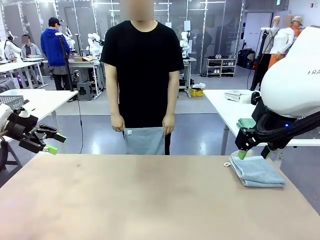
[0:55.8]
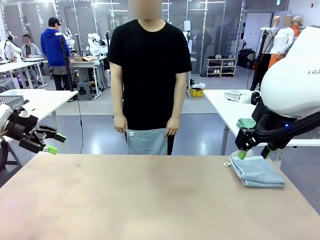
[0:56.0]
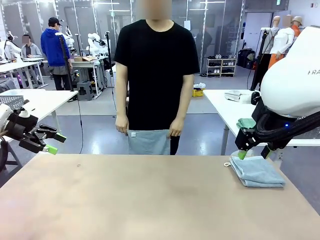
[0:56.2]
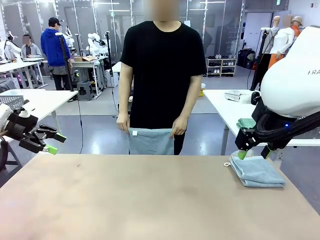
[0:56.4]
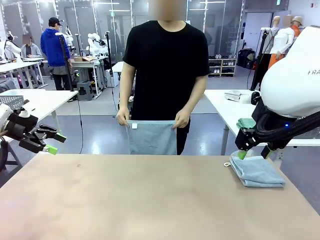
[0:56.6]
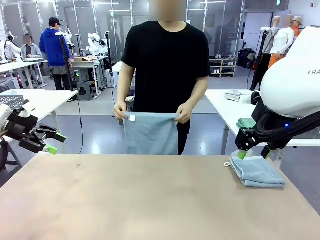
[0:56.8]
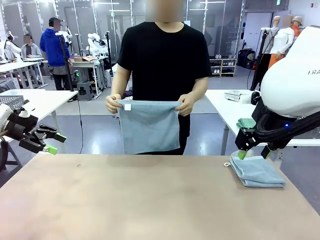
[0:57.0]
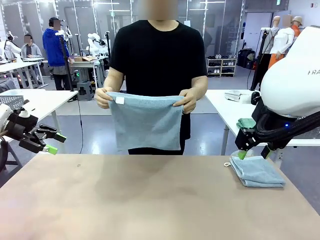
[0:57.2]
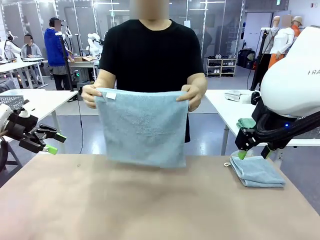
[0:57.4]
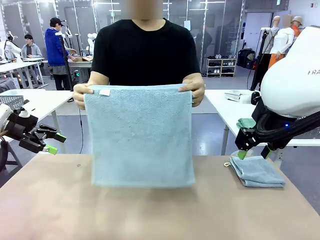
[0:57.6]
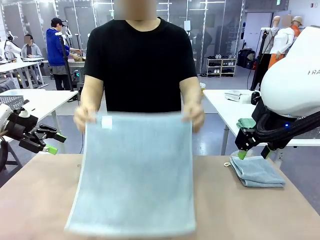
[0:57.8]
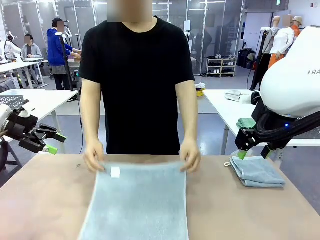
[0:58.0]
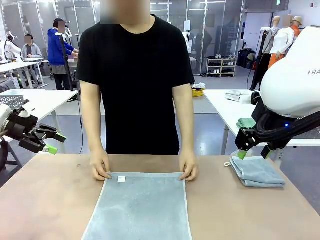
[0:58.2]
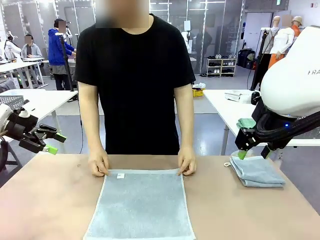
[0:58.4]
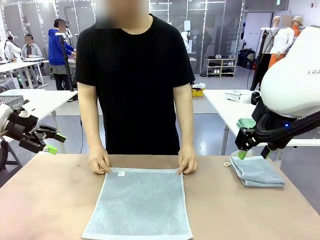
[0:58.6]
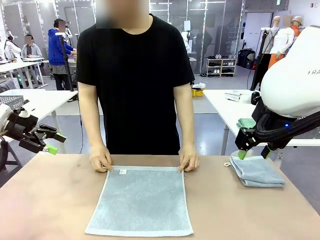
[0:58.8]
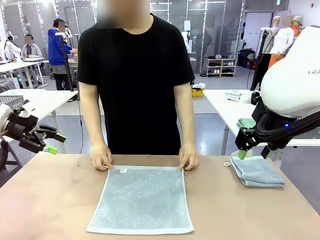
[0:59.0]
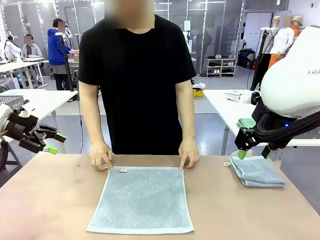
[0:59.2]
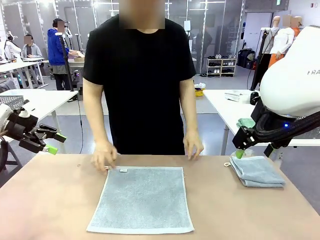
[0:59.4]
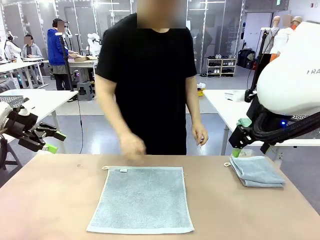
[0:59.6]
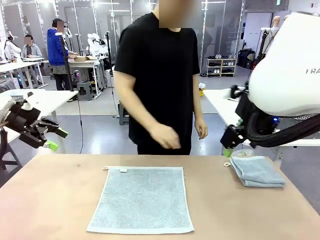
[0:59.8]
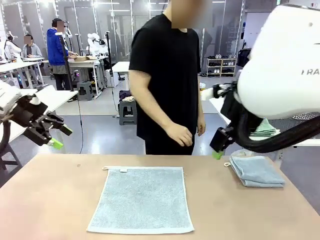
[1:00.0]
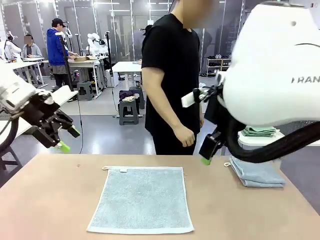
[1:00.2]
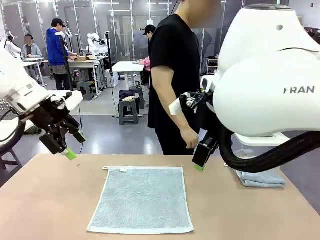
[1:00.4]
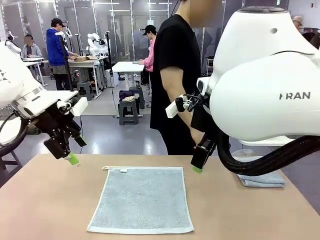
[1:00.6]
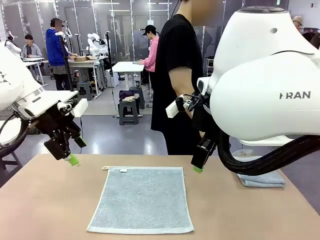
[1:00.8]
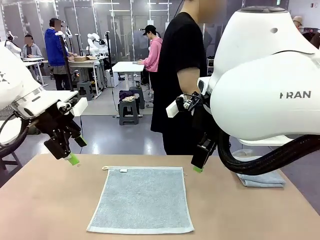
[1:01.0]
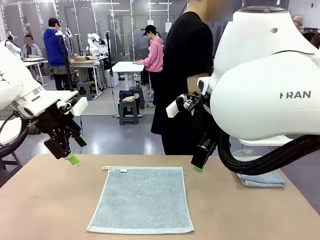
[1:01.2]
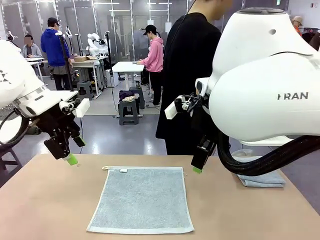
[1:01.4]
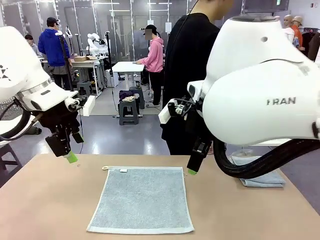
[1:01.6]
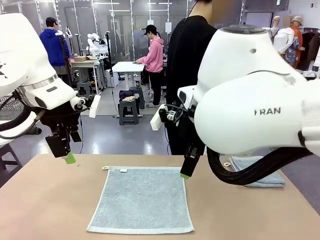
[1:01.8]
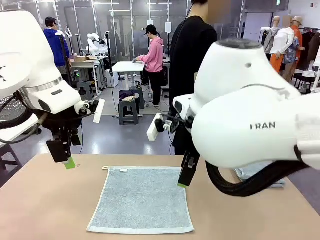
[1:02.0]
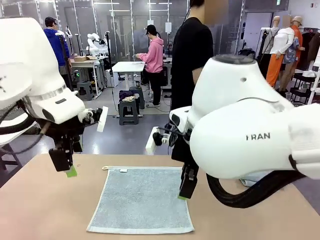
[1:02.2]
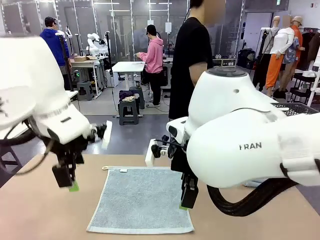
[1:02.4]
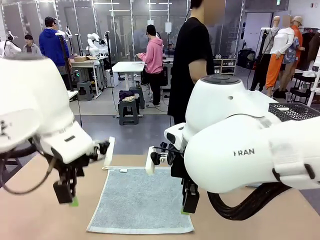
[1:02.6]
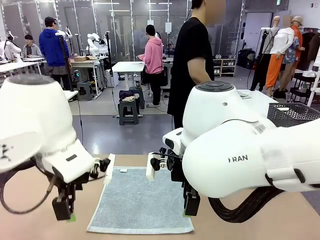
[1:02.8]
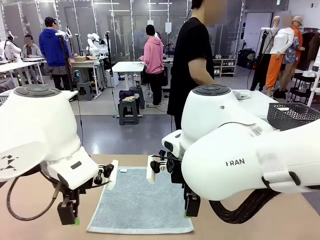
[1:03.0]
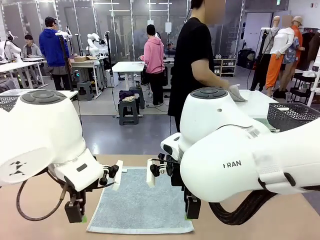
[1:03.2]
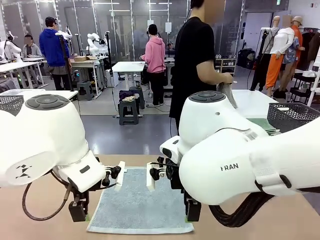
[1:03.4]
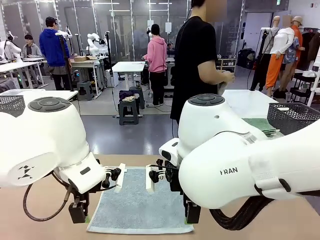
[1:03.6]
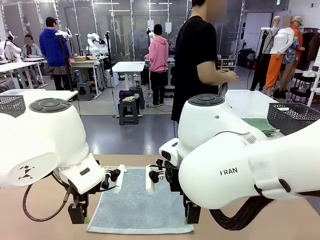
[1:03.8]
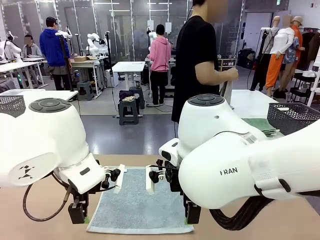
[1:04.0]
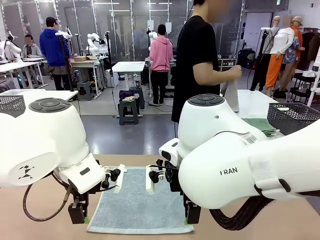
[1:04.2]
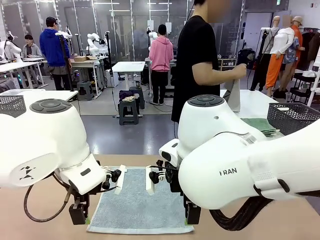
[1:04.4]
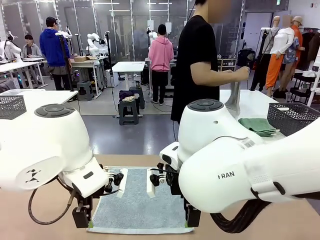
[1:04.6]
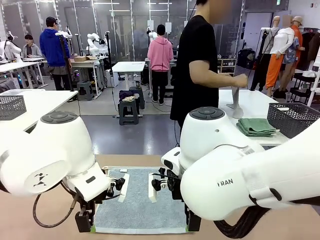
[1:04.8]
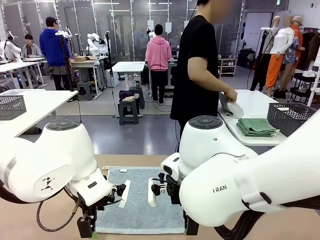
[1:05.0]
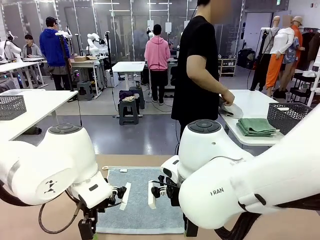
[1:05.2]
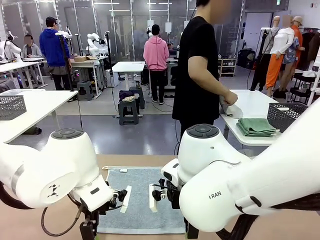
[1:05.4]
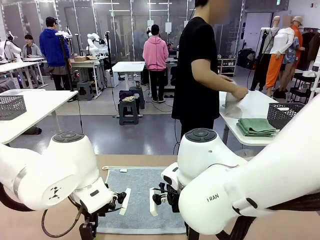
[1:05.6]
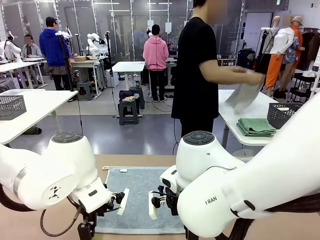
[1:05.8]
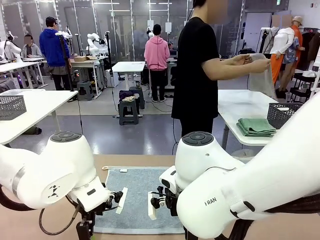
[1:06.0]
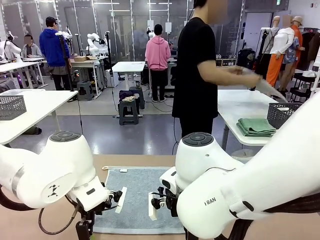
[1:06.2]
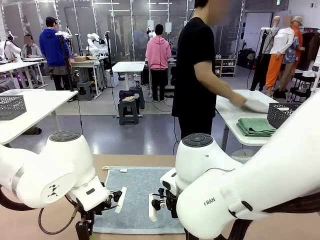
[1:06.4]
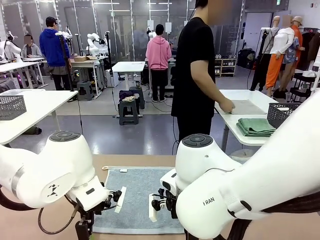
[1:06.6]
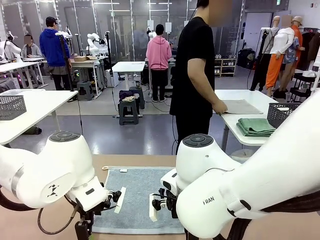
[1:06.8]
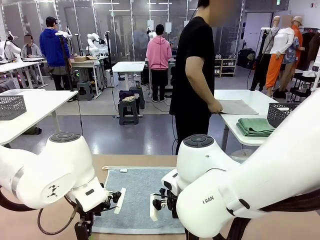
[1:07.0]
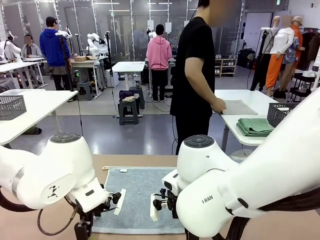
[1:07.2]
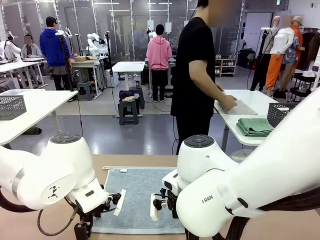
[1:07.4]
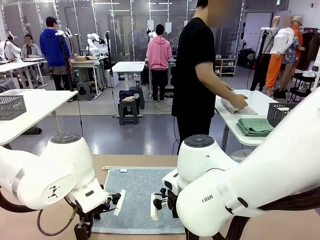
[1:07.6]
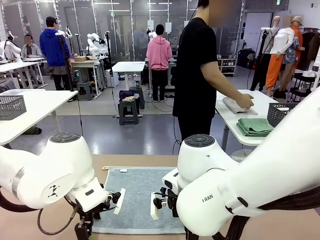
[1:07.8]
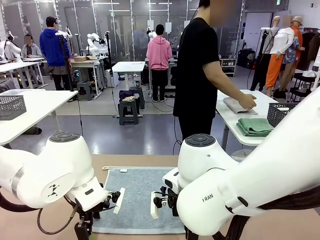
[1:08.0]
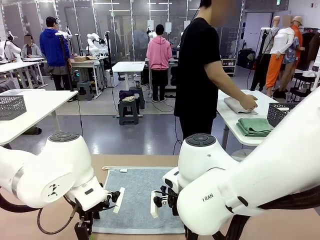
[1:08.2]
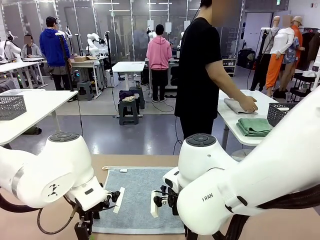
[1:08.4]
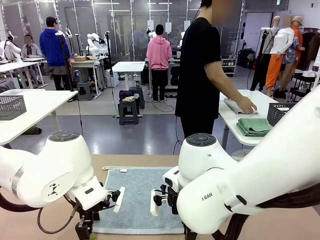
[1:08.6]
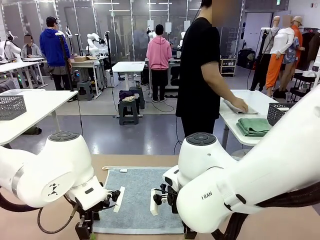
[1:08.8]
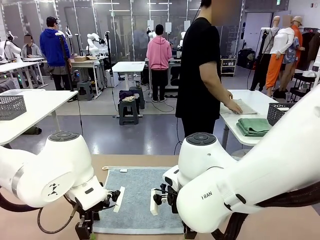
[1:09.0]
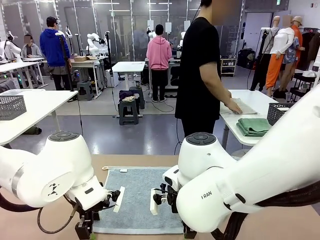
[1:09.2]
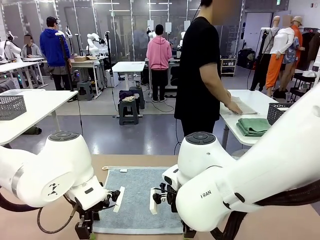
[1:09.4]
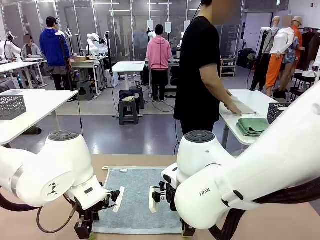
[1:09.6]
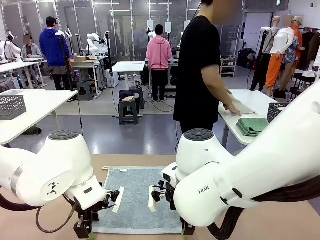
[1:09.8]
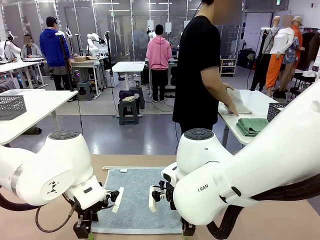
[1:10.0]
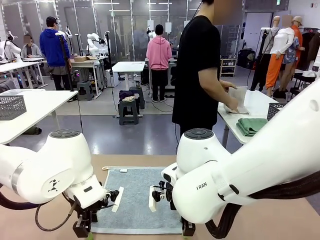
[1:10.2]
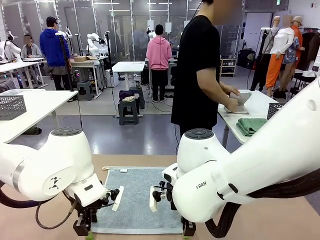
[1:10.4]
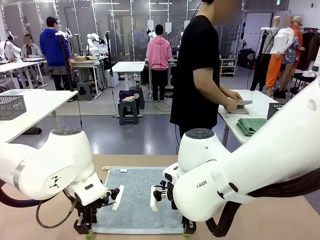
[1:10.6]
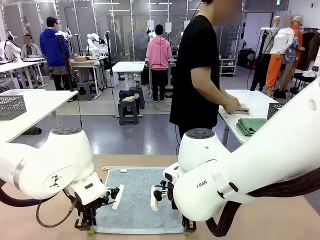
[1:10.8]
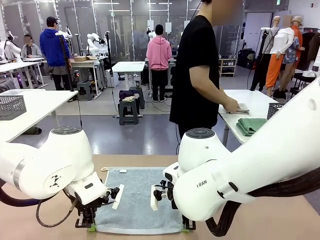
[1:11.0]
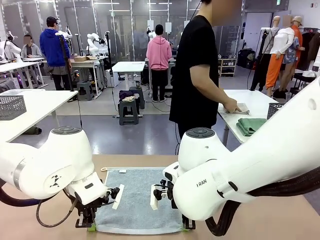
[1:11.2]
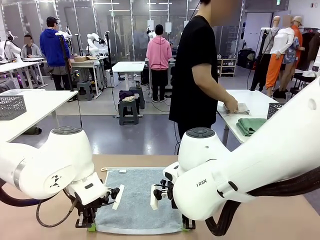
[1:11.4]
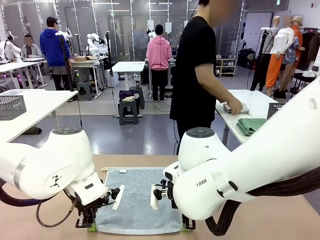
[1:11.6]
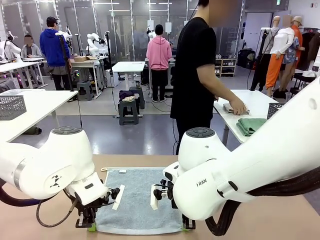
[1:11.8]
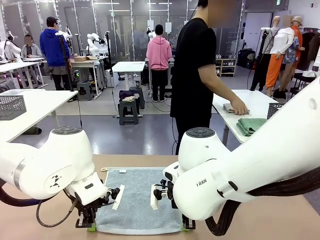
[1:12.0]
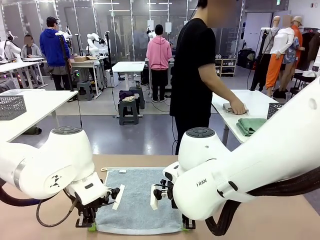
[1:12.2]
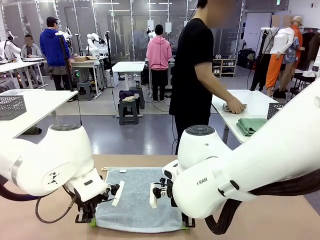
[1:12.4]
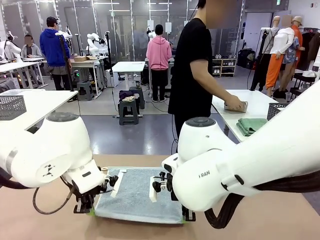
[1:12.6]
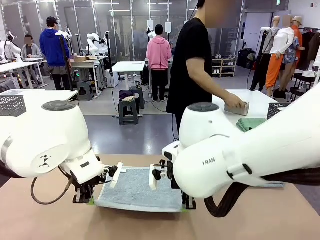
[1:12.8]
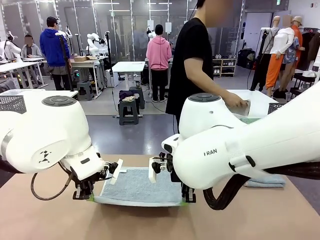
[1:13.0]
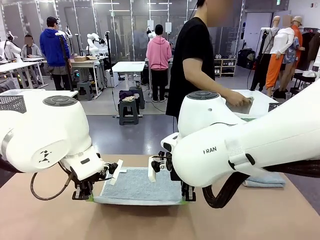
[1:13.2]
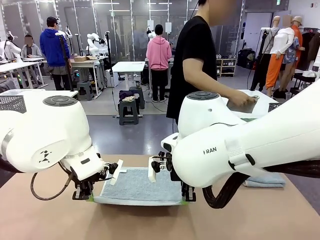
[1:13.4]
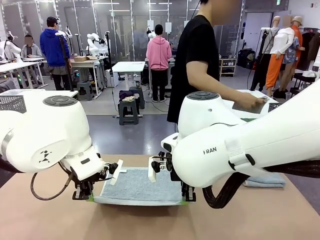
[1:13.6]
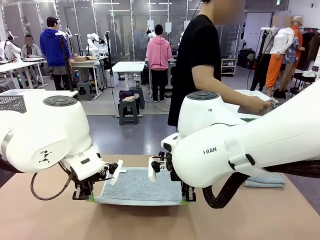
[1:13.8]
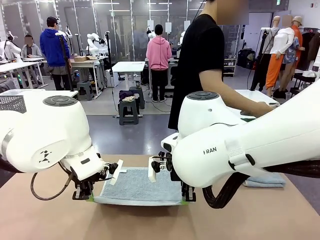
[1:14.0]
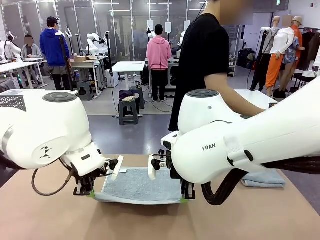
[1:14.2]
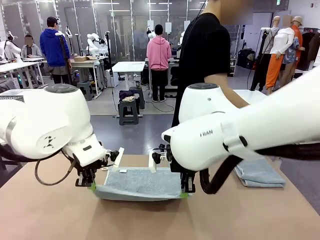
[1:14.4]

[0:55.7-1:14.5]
Task: Fold the towels and place them in the basket.
Robot: When a person lays out a Towel with hook on the table, fold it in half twice.
Person: Pick up one towel from the left side of the human table, fold it in half twice, and stack it on the right side of the table.
